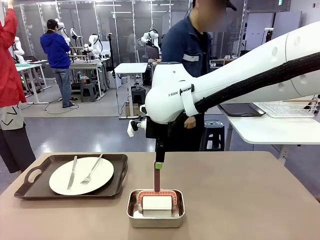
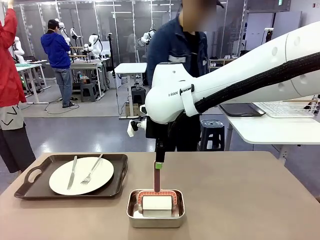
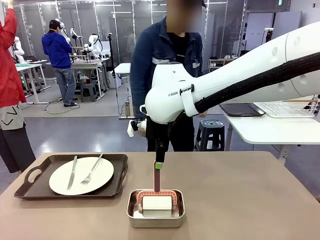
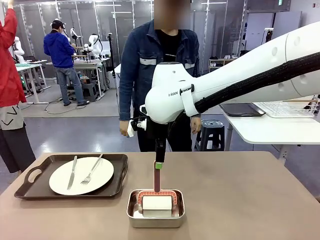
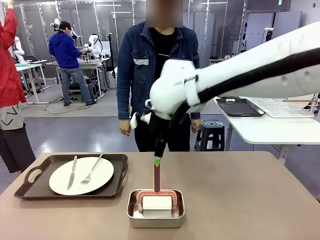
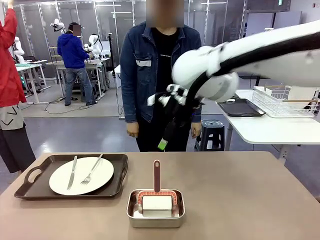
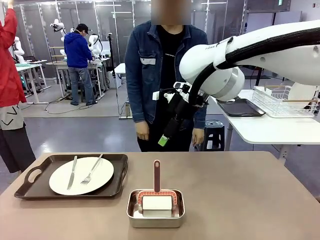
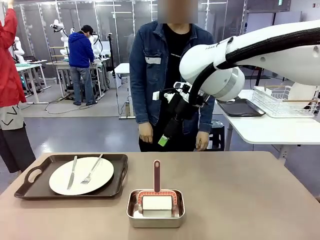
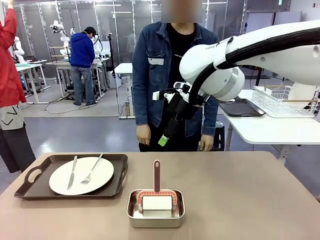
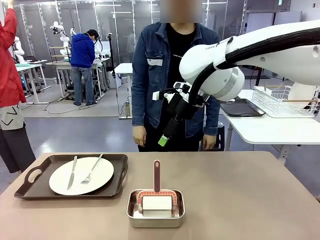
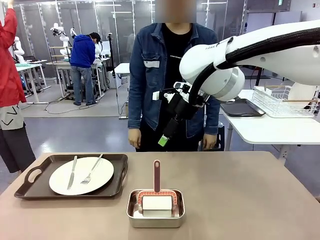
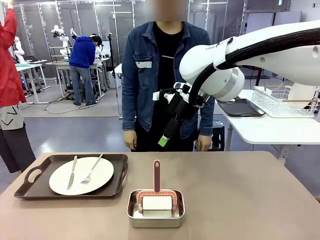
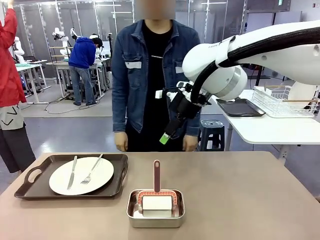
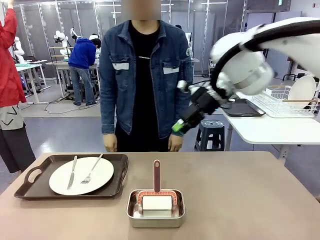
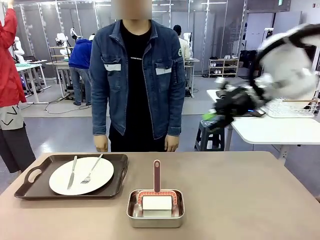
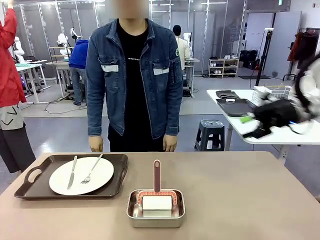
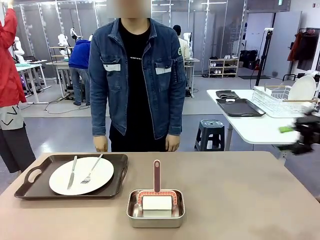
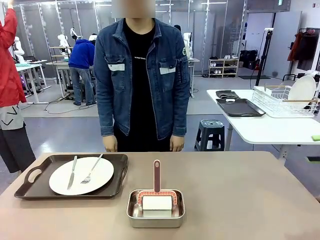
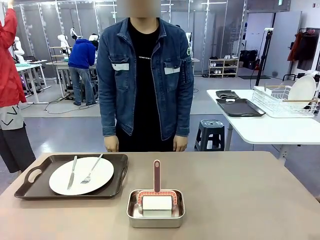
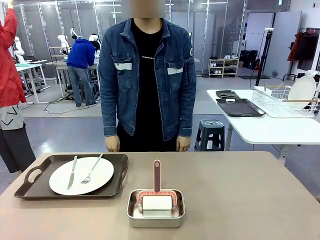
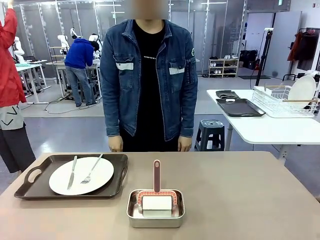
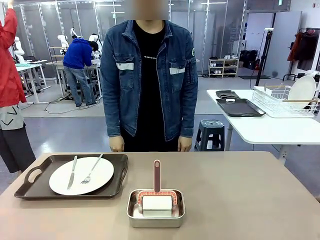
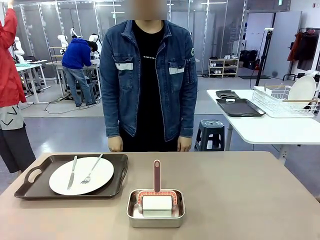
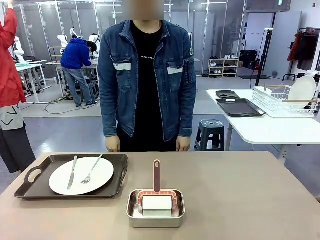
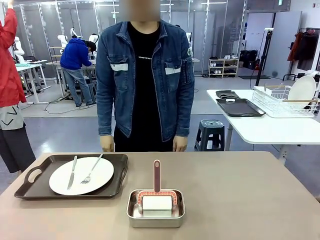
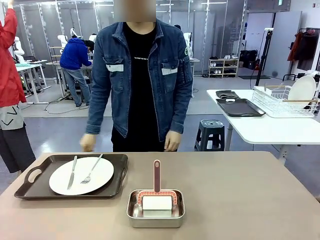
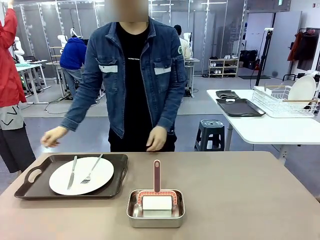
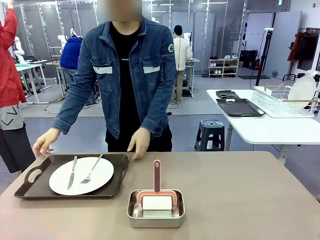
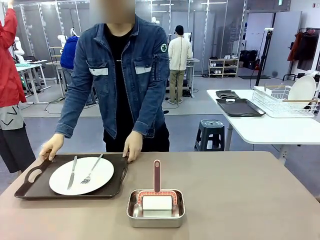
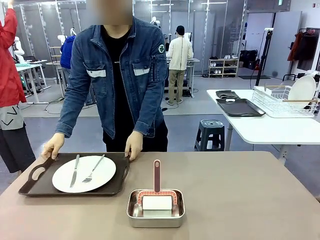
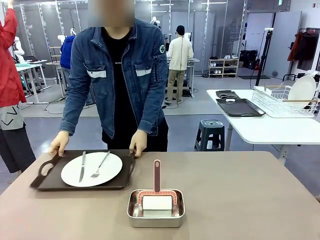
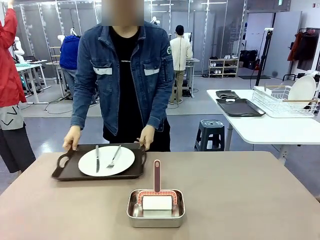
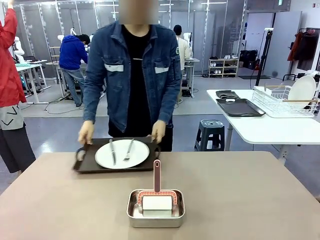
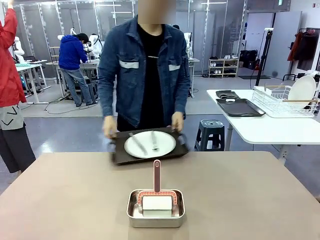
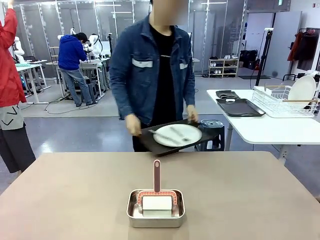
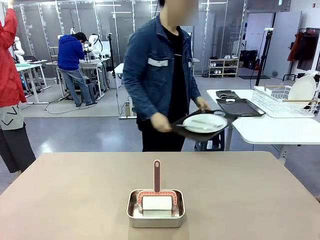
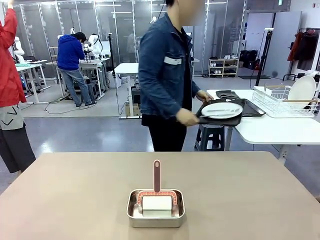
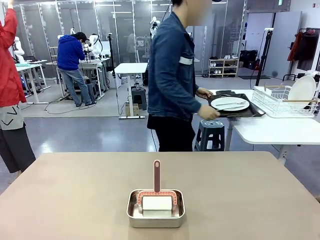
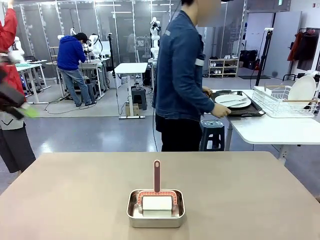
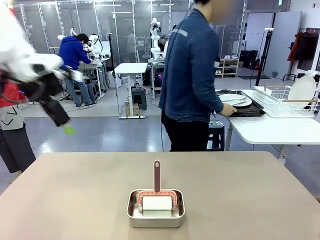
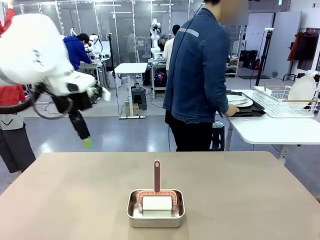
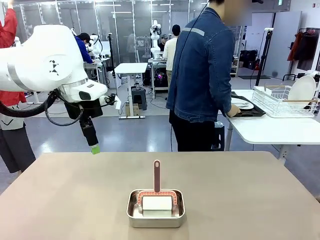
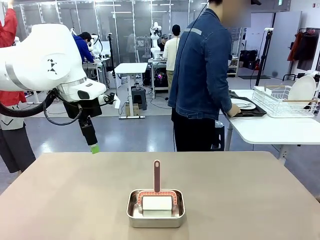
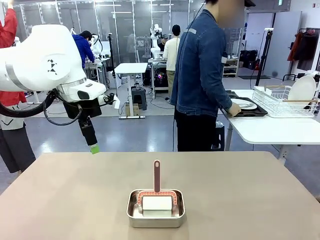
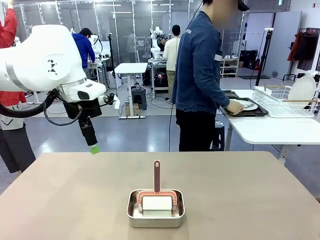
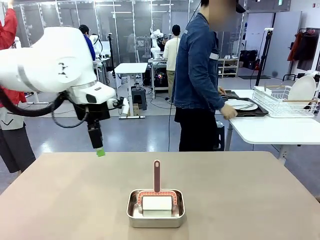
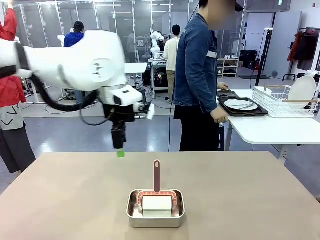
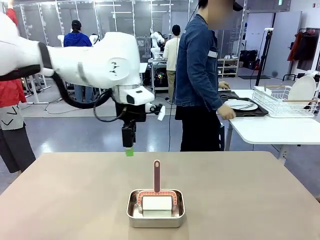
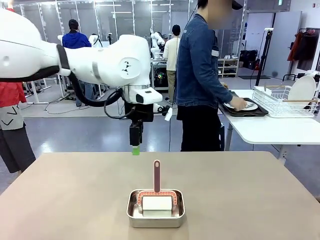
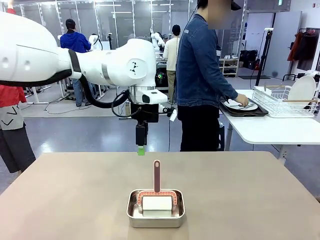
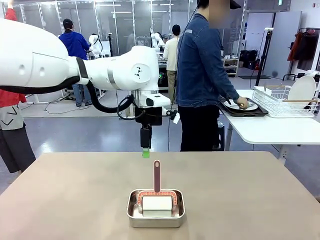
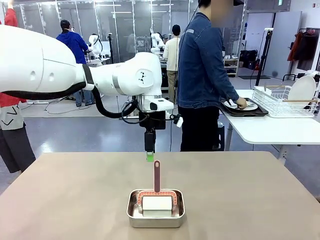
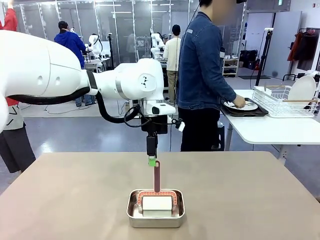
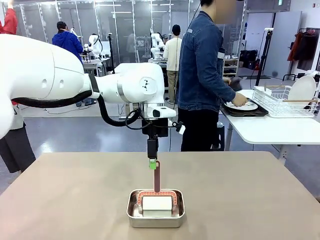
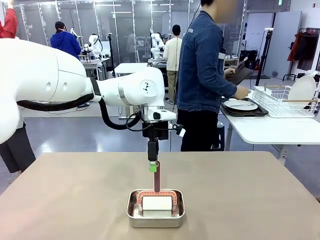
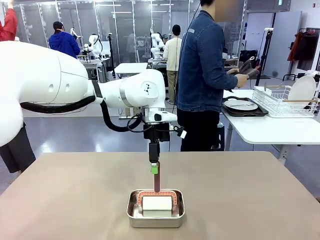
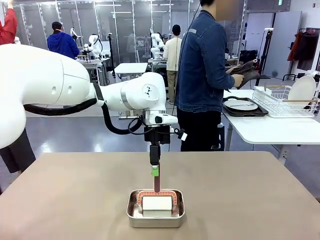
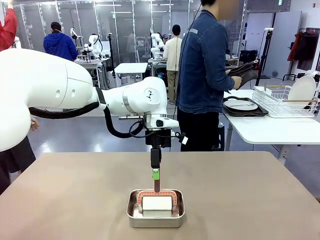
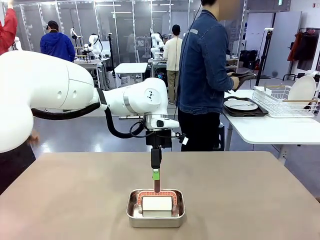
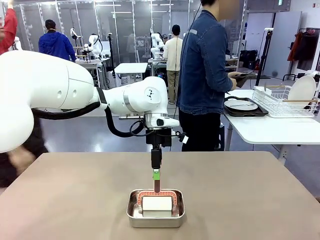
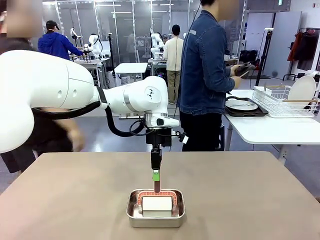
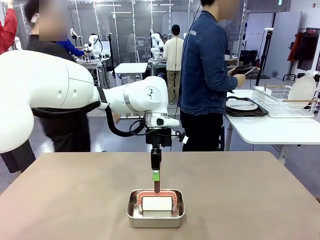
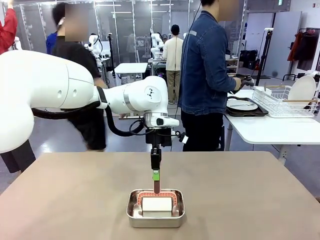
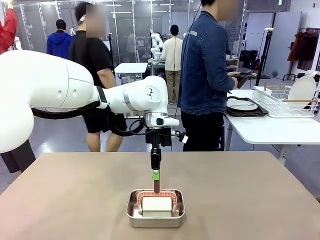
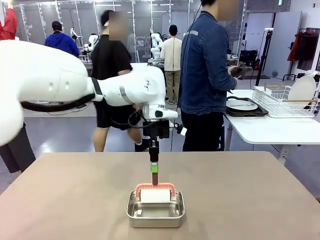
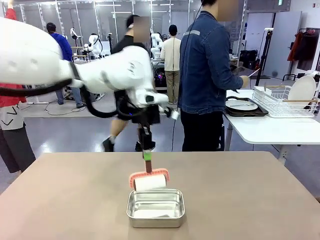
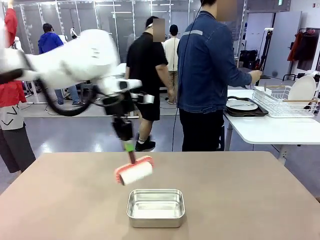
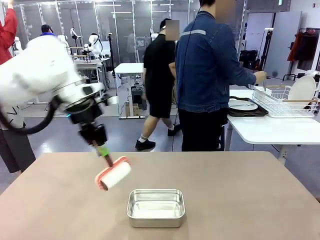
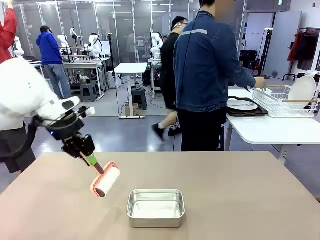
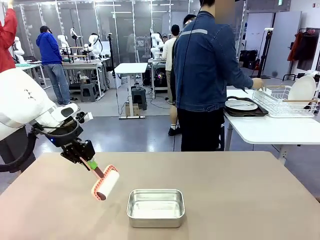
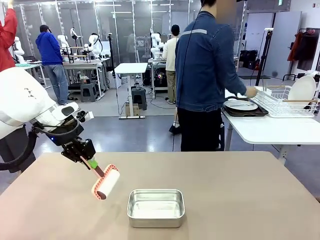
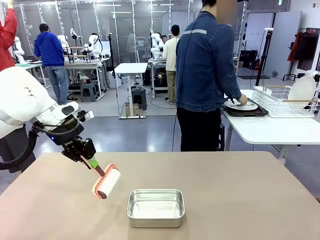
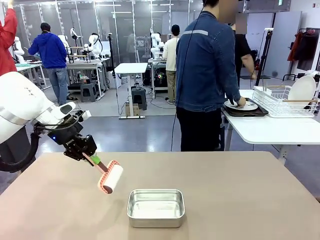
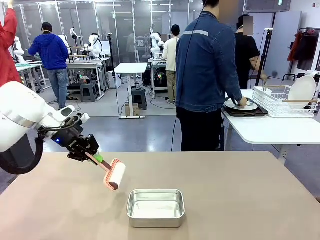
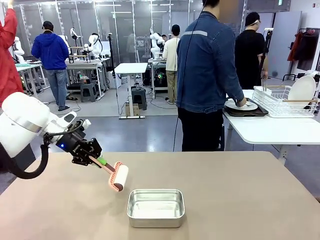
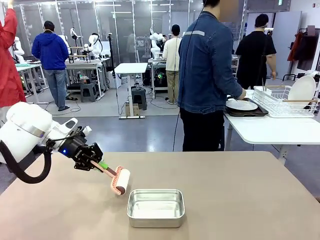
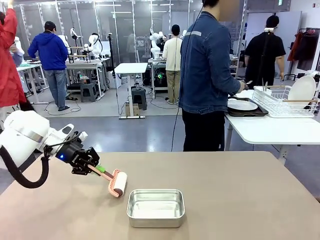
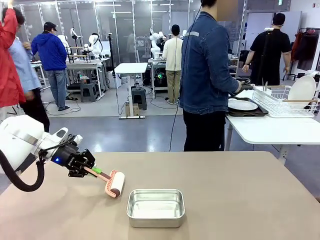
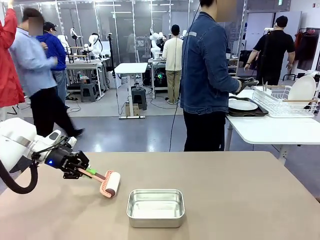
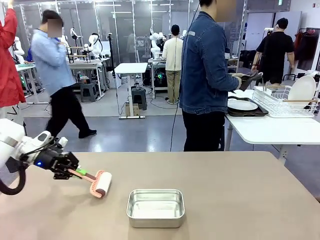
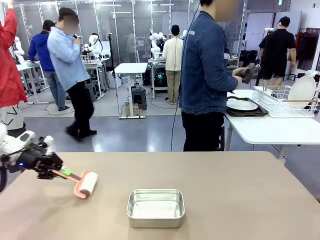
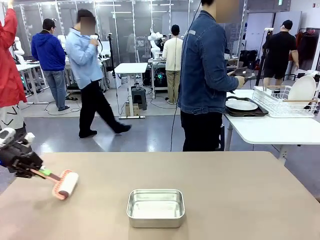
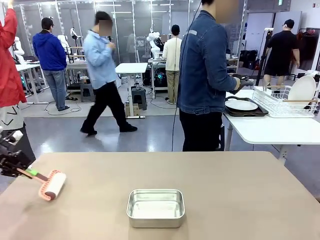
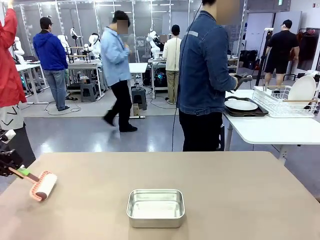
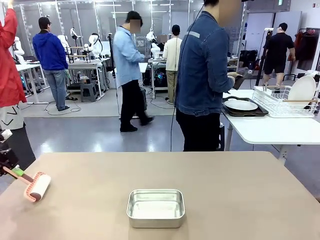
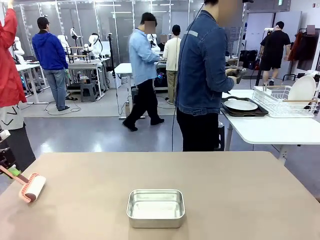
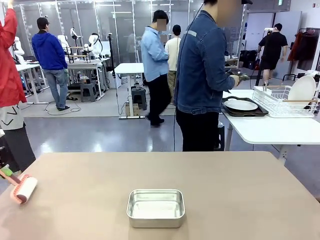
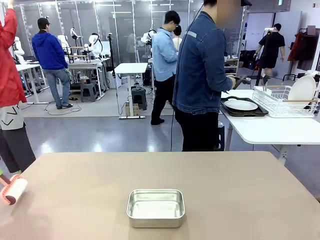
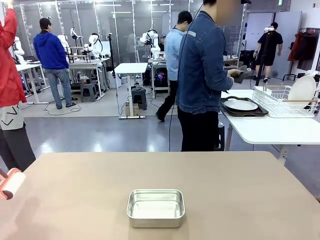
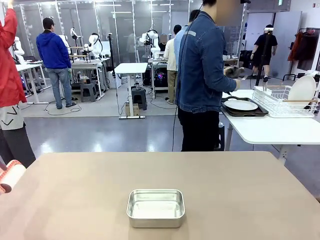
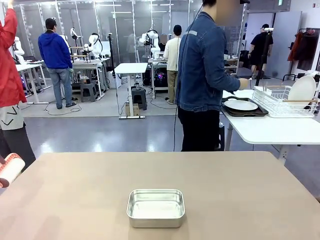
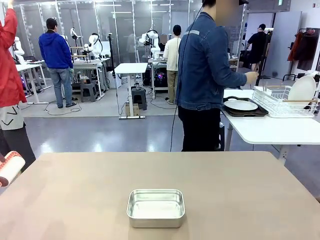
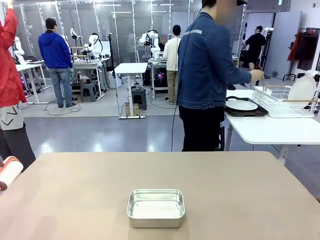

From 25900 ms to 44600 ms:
Robot: When the right (or left) Handle tray is removed, use the right hand (or left hand) to clean the right (or left) side of the table with the Lint Roller.
Person: Pick up the left (or right) Handle tray and place it on the Handle tray.
